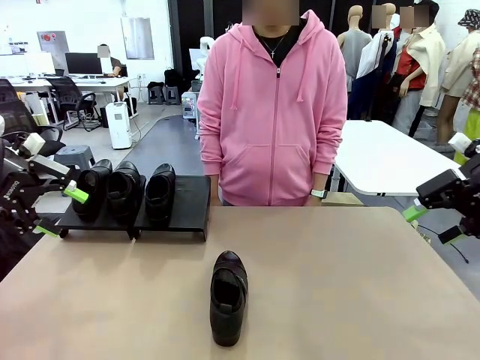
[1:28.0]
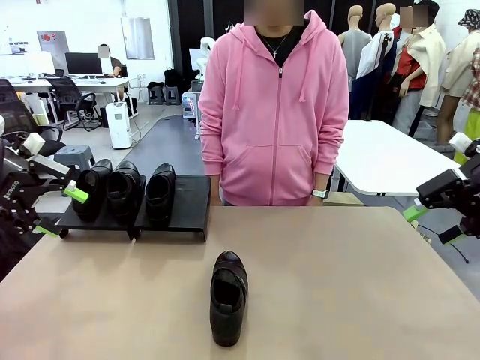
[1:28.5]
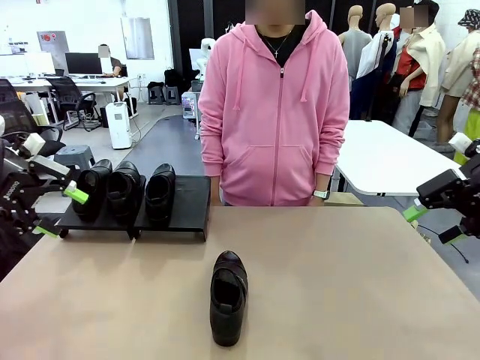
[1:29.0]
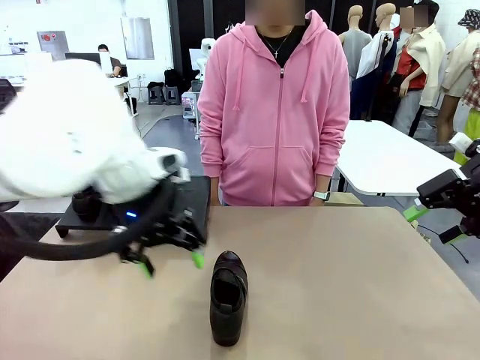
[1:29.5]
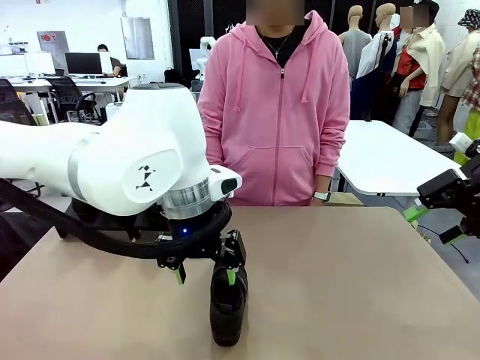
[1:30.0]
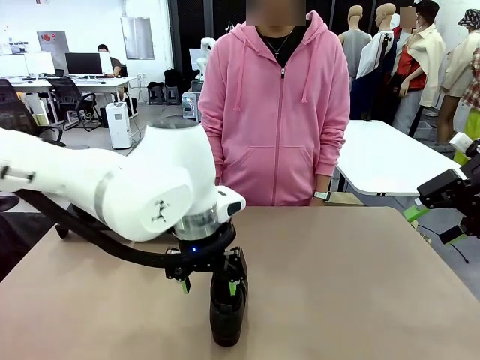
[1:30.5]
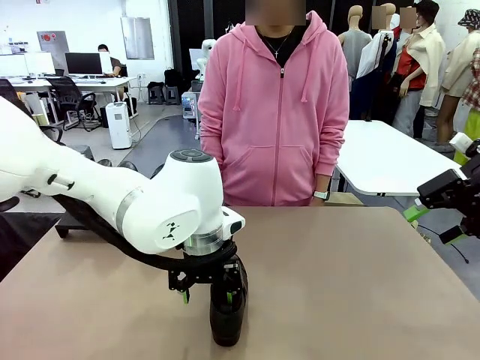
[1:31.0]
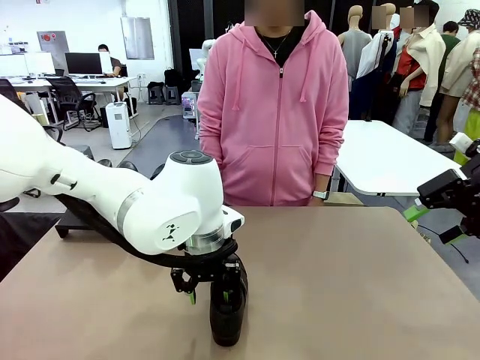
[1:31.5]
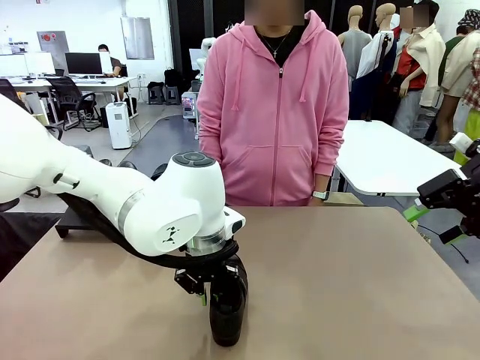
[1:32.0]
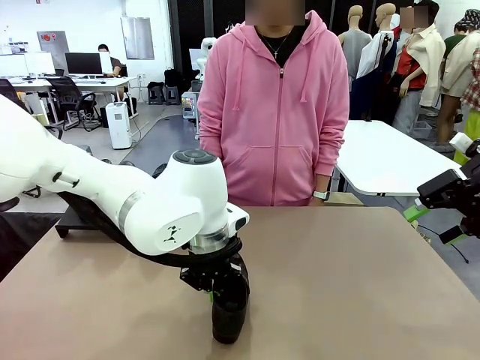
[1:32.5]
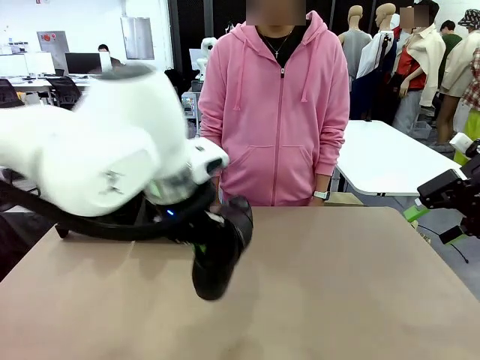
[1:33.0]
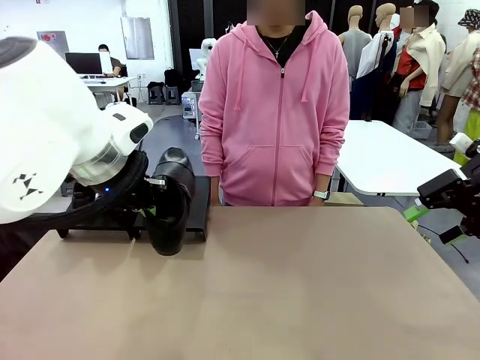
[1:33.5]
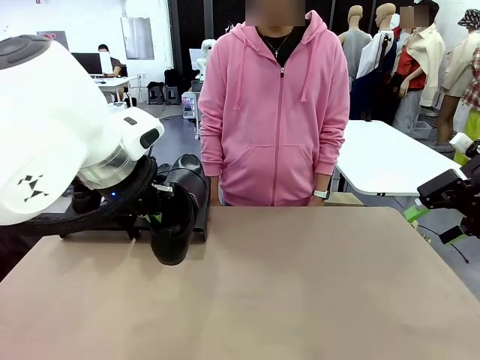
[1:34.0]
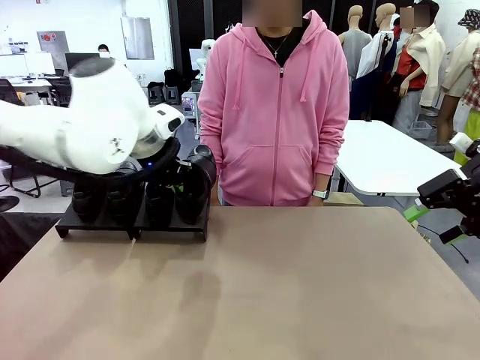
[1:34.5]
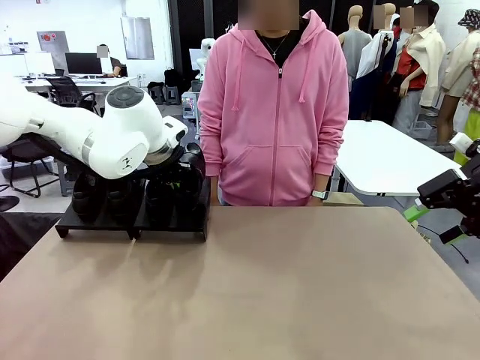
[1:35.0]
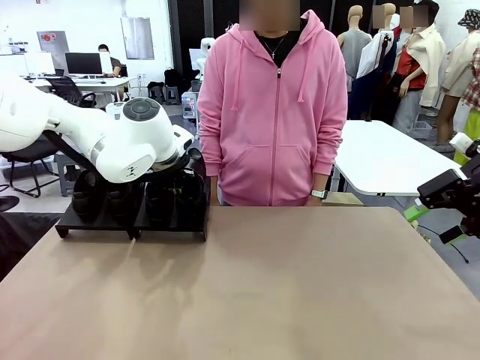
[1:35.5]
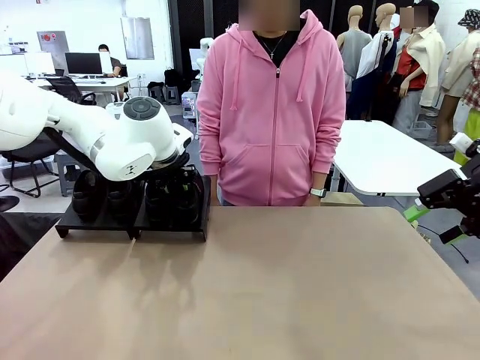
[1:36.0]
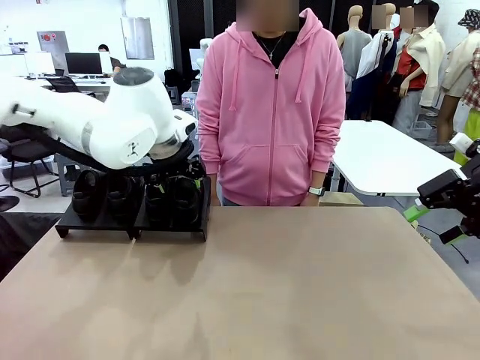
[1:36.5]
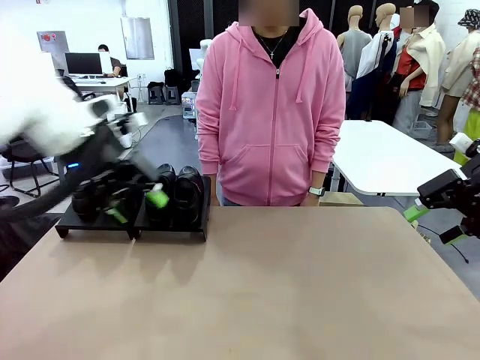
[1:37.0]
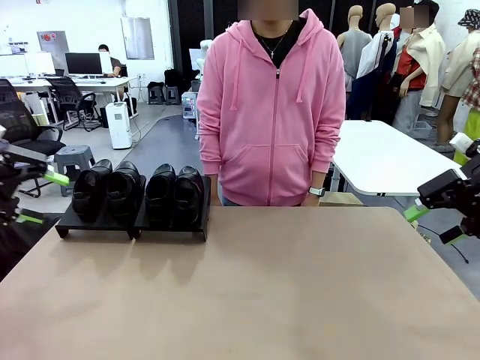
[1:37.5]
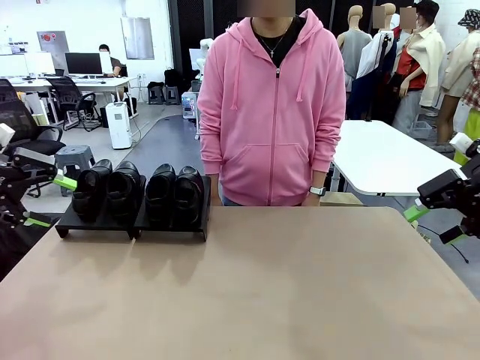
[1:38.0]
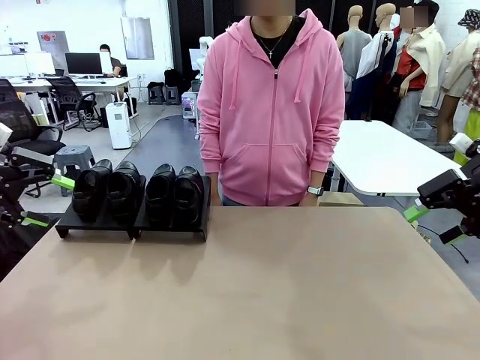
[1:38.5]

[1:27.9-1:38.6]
Task: Organize the shoes by placing them on the stand.
Robot: Place the Shoe from the middle of the table onto the Shoes Stand.

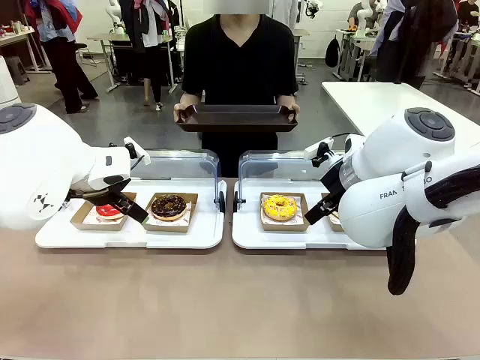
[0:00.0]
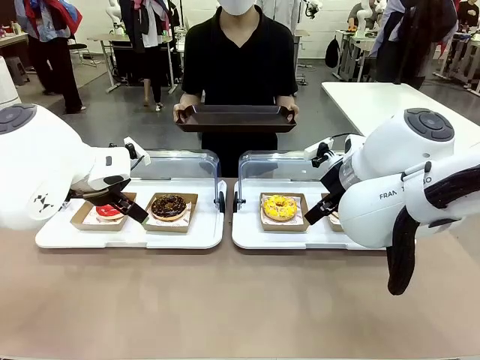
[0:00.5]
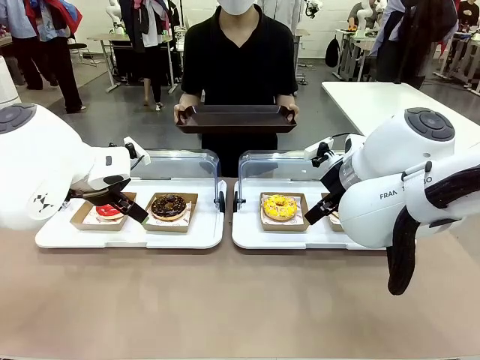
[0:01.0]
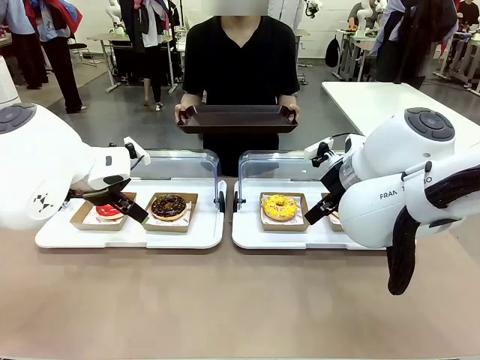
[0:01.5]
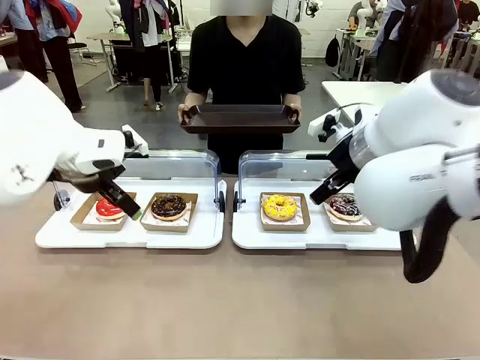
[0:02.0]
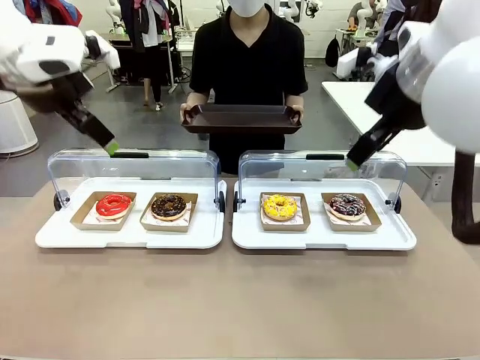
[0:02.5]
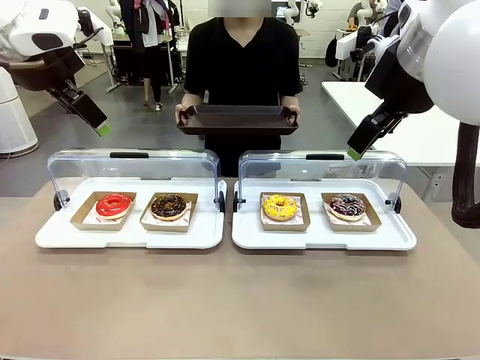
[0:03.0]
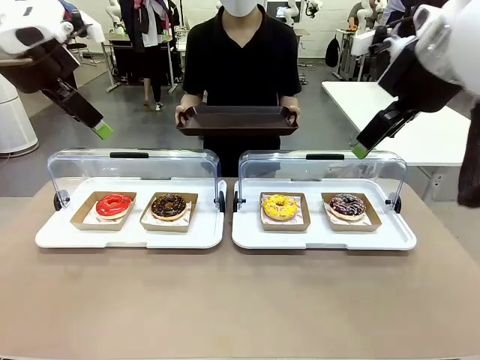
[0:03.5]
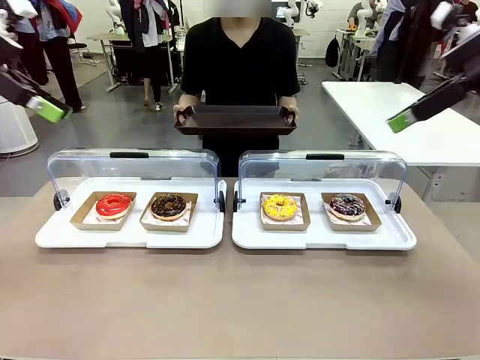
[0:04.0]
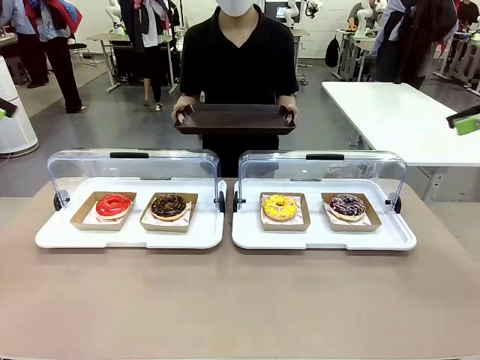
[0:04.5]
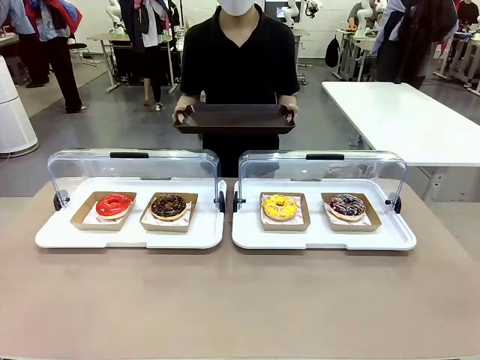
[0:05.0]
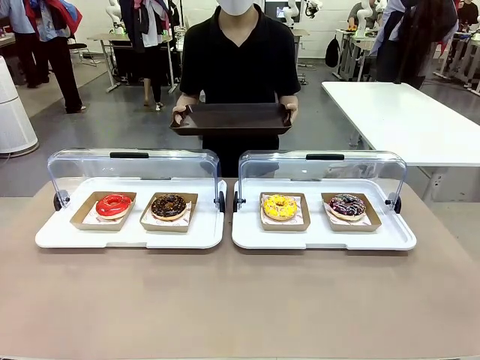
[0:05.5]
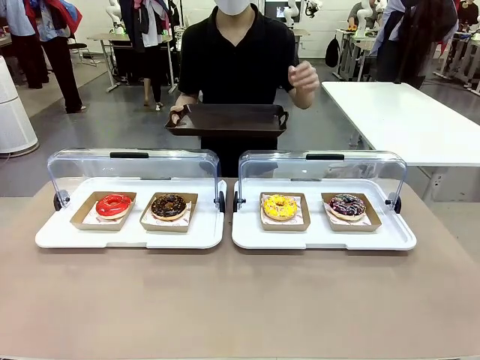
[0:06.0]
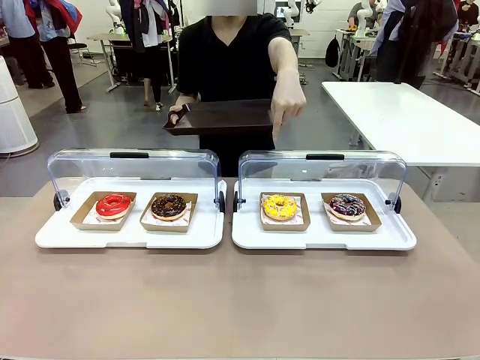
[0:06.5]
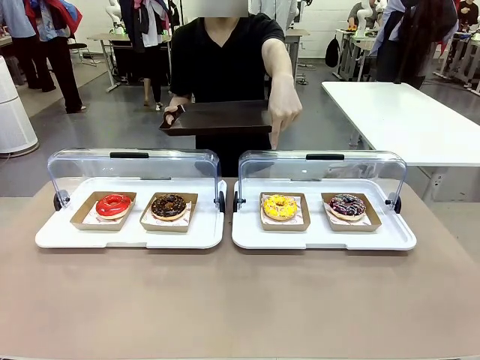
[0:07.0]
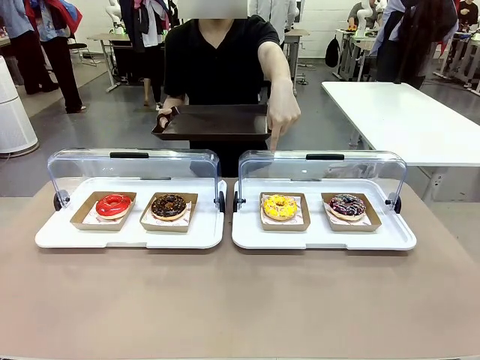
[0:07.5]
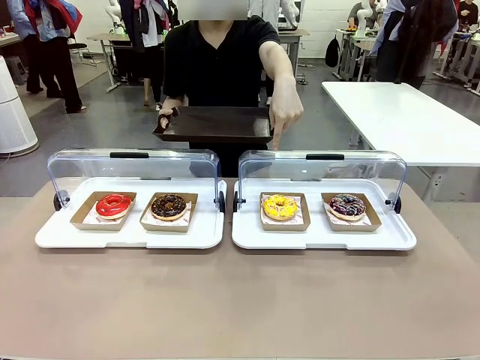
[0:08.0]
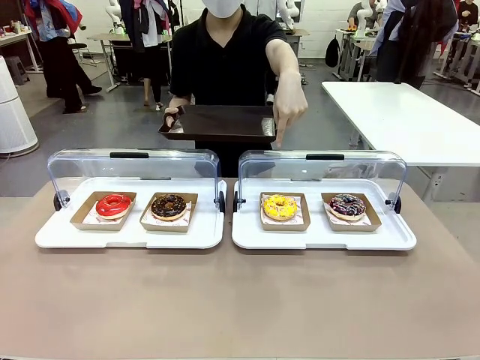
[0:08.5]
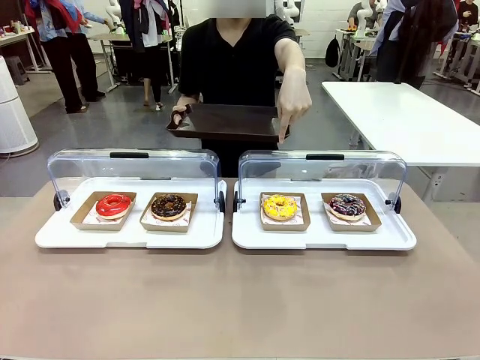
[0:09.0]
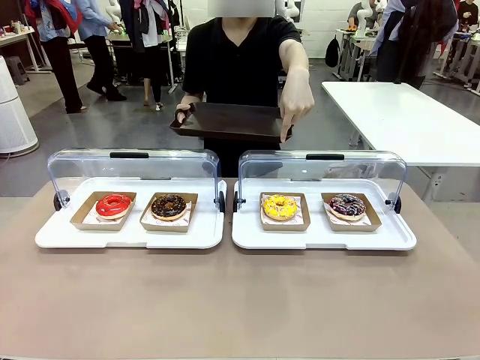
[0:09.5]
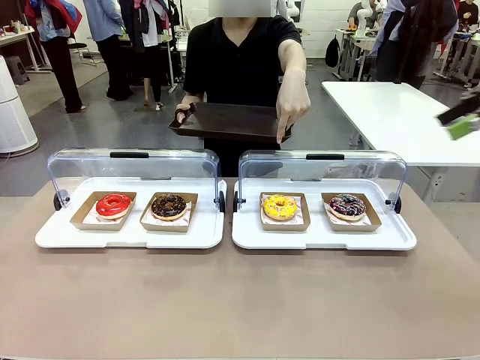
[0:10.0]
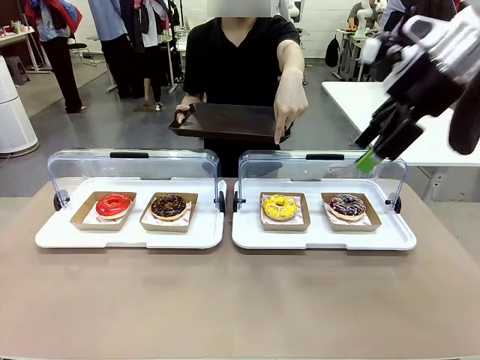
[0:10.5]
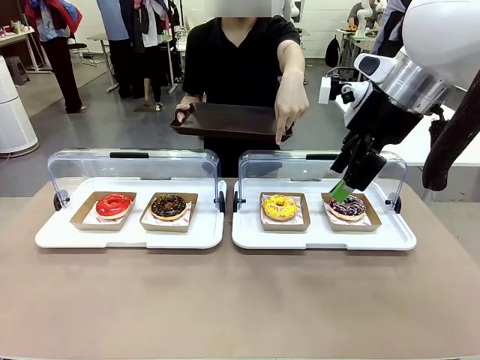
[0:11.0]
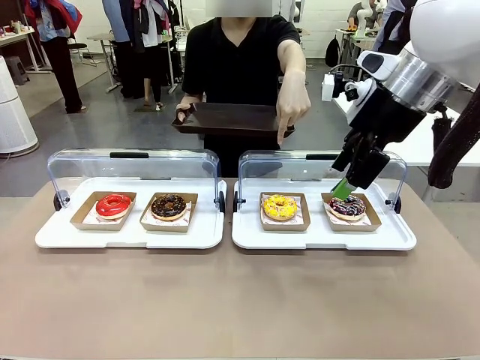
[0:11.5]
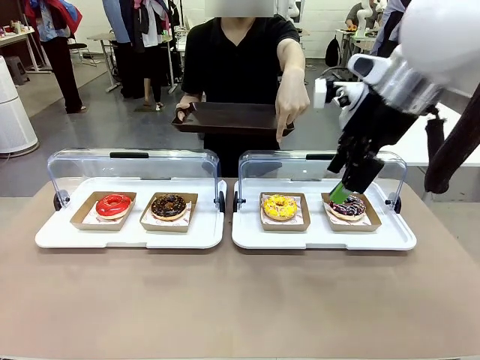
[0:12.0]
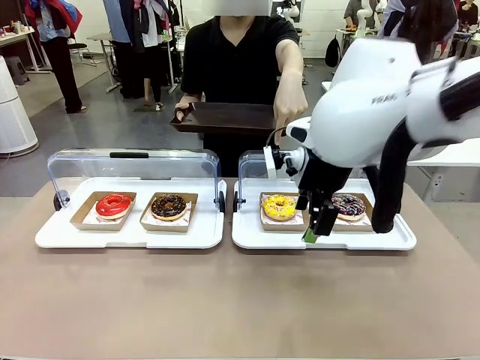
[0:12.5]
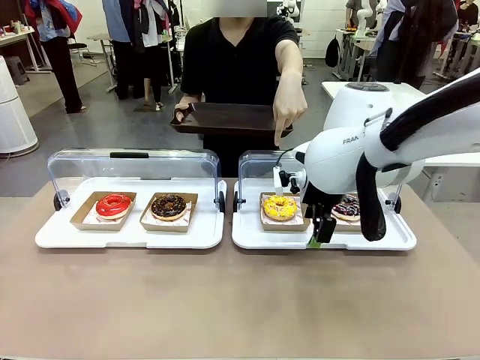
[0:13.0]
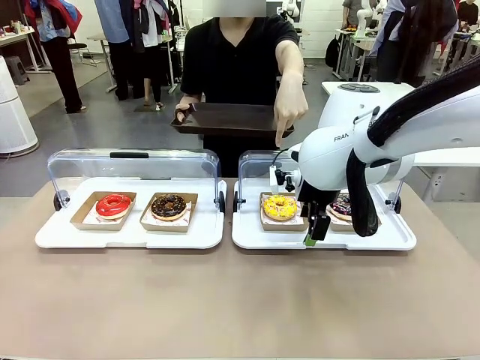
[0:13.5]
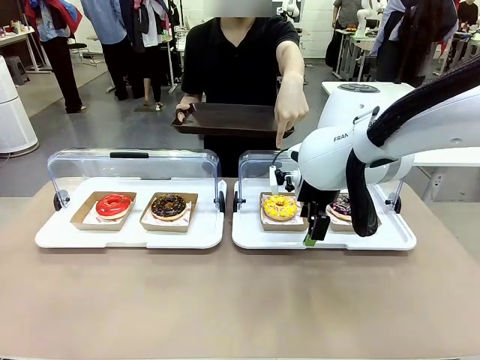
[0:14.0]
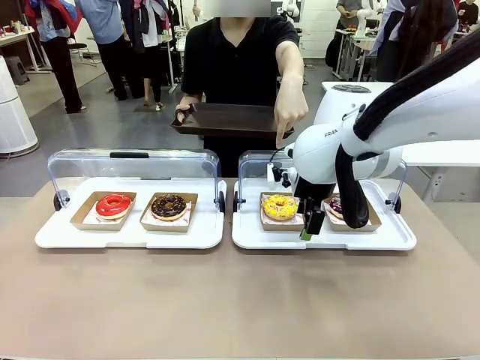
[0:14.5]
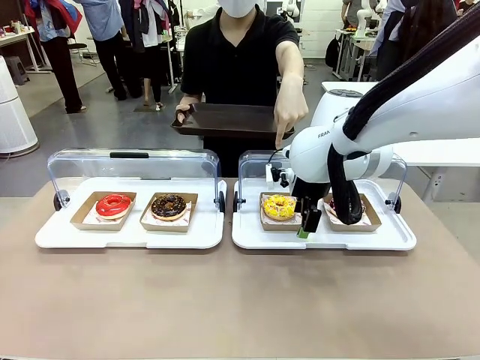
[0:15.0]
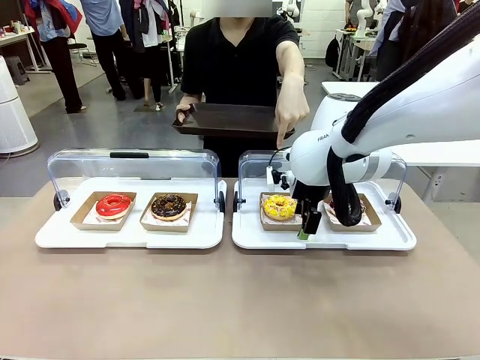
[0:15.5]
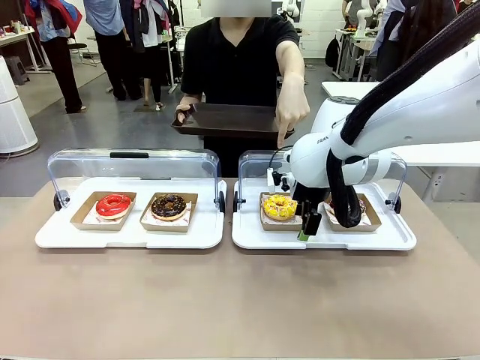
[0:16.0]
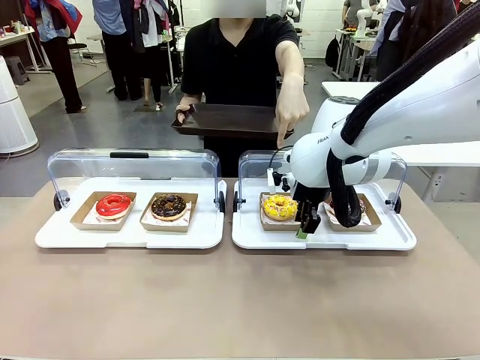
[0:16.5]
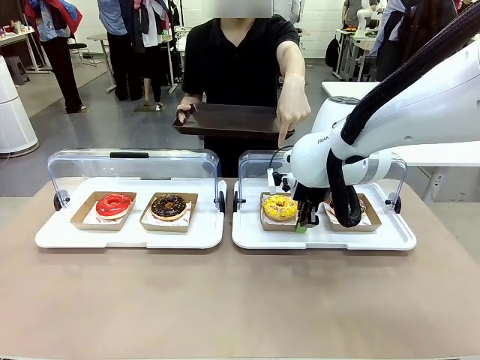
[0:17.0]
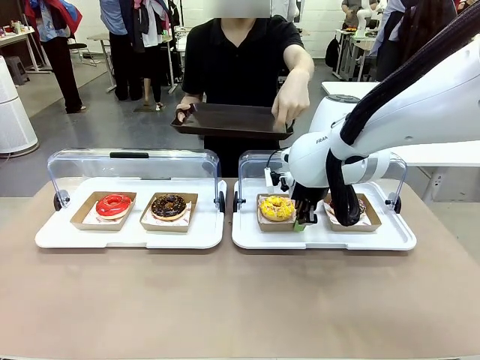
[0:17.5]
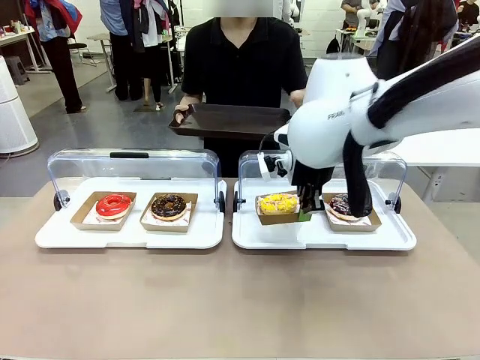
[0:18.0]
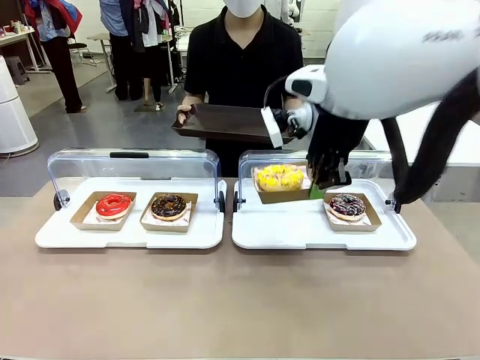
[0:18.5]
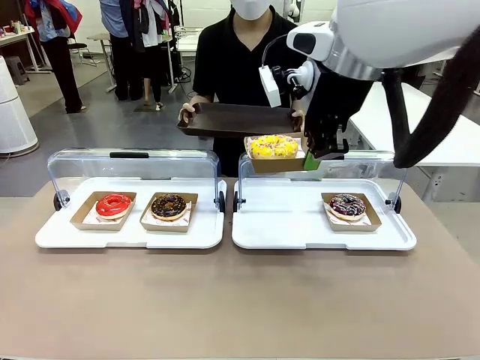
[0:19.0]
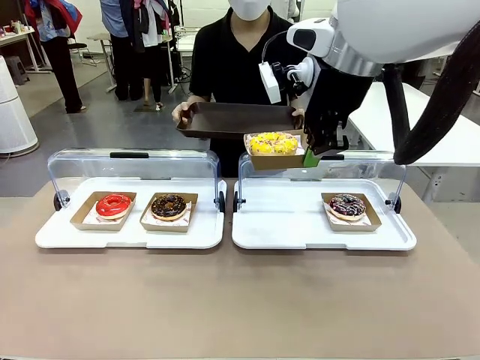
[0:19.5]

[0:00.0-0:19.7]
Task: Provide the desired donut to the person.
Robot: Pick up and lift the Paper togo box containing the Donut pointed at by the person.
Person: Point to one donut. Lift the tray onto the Roll-Top Bakery Case.
